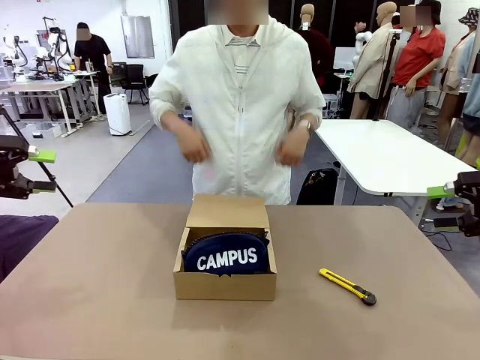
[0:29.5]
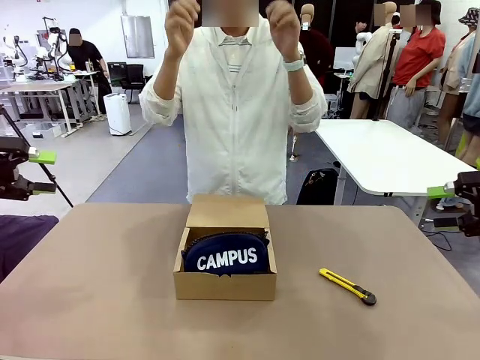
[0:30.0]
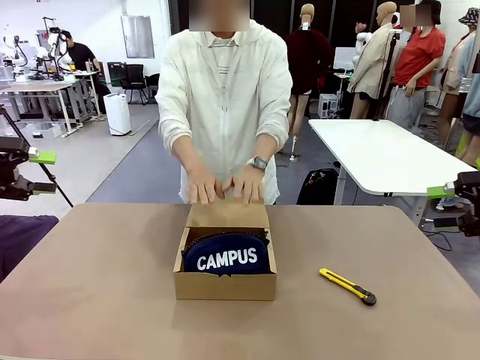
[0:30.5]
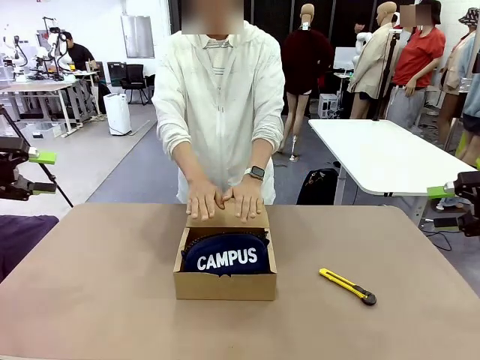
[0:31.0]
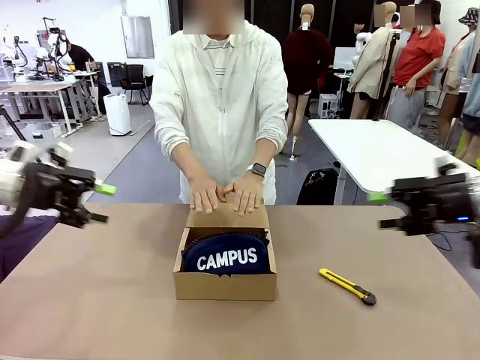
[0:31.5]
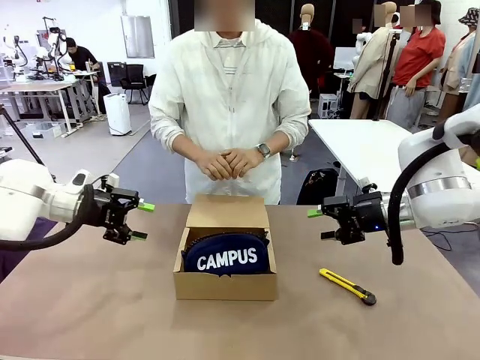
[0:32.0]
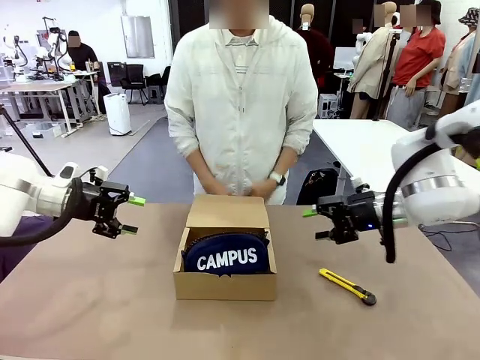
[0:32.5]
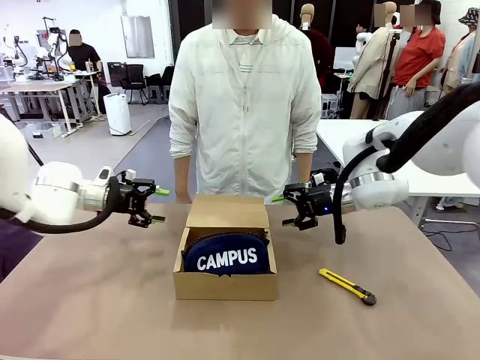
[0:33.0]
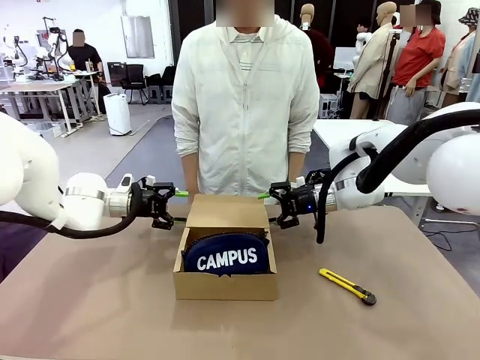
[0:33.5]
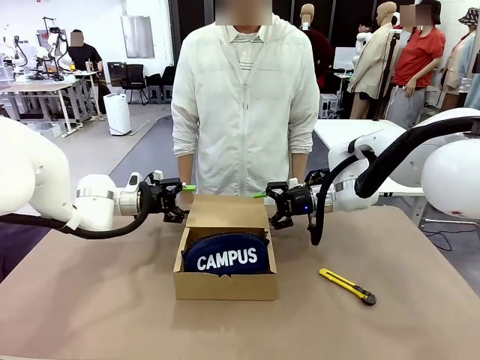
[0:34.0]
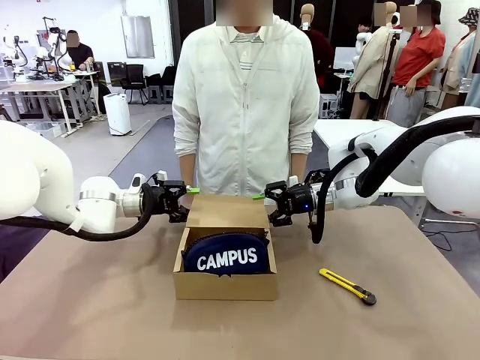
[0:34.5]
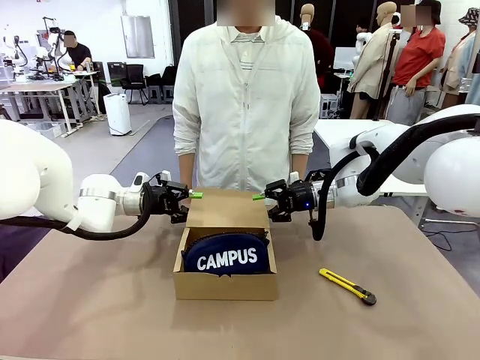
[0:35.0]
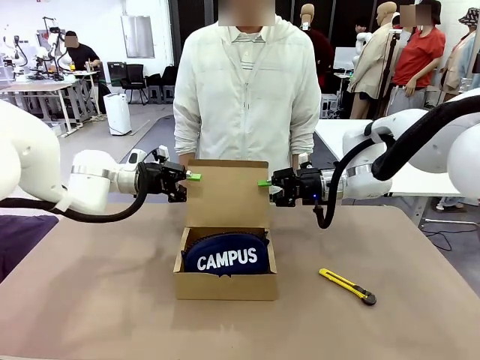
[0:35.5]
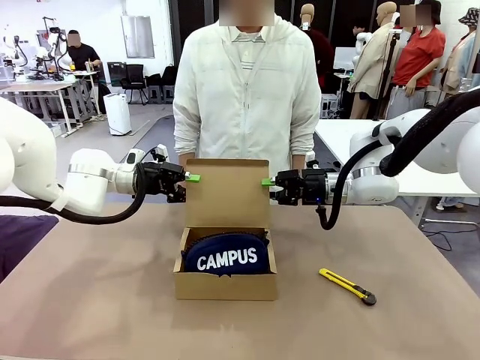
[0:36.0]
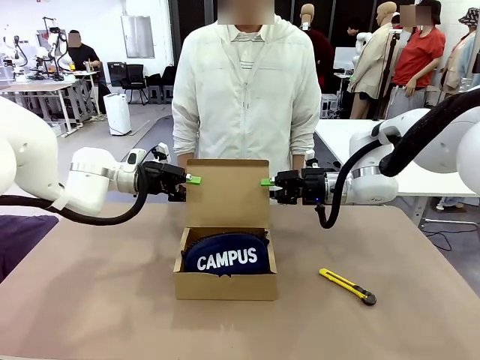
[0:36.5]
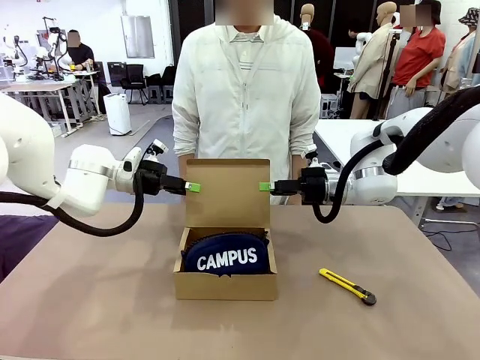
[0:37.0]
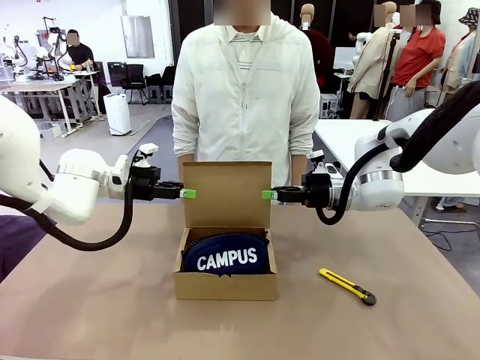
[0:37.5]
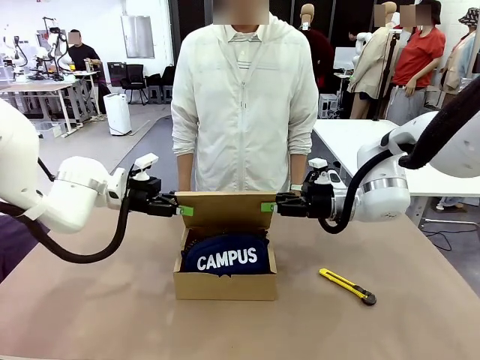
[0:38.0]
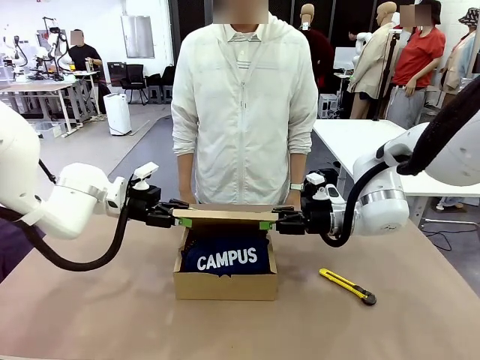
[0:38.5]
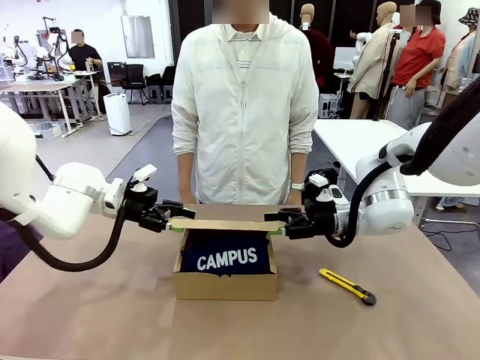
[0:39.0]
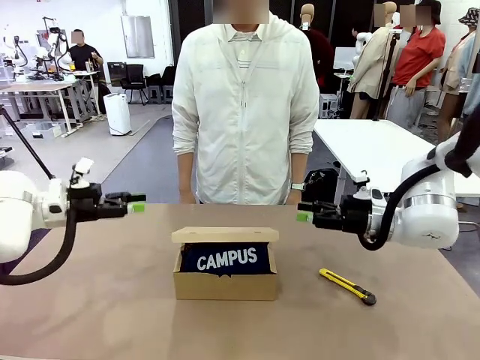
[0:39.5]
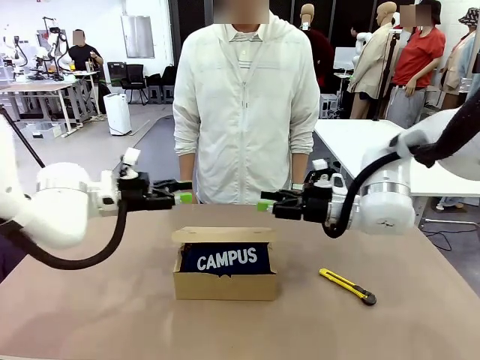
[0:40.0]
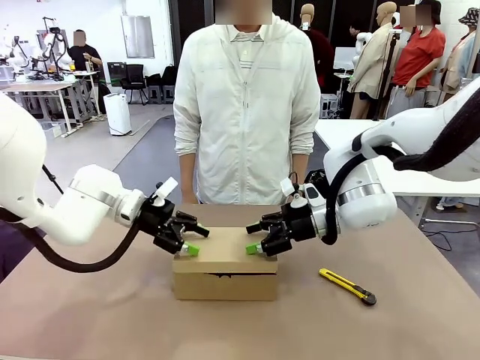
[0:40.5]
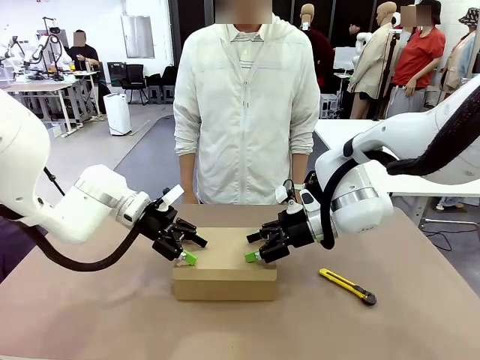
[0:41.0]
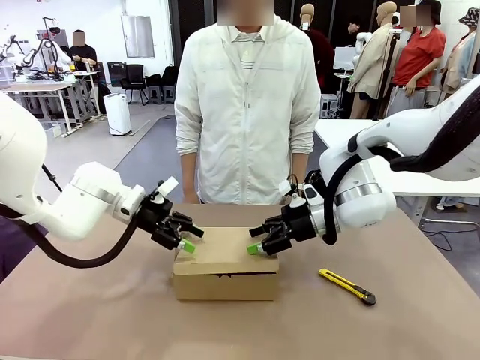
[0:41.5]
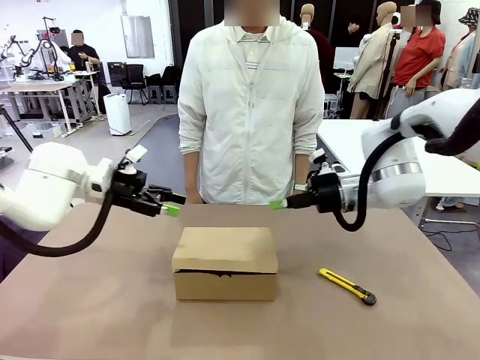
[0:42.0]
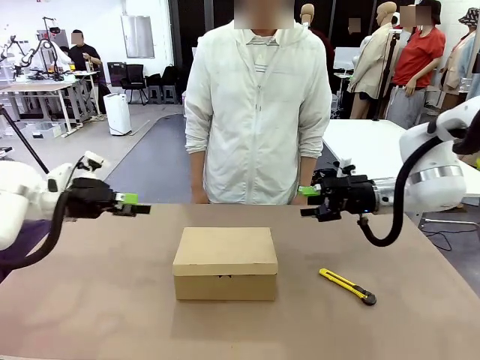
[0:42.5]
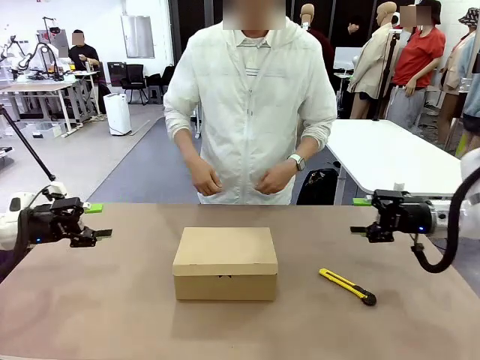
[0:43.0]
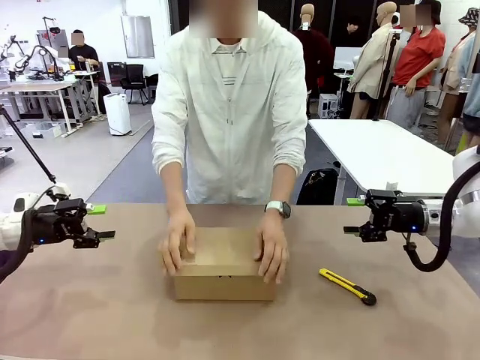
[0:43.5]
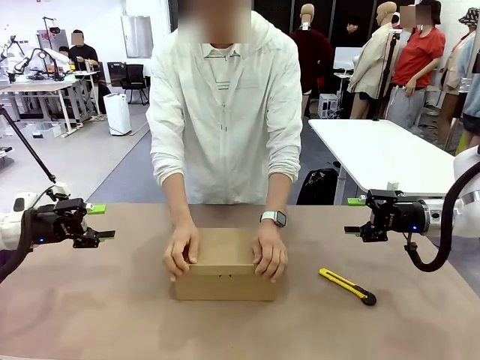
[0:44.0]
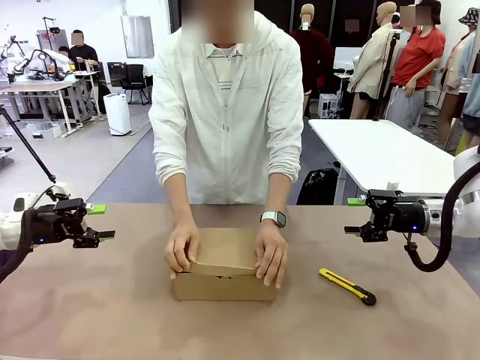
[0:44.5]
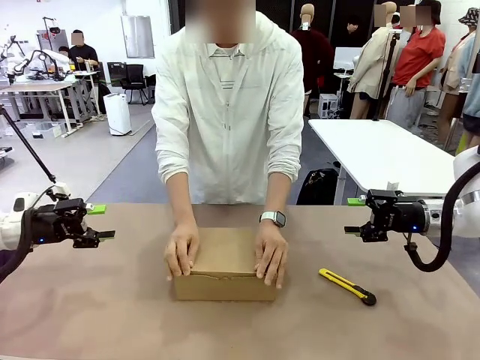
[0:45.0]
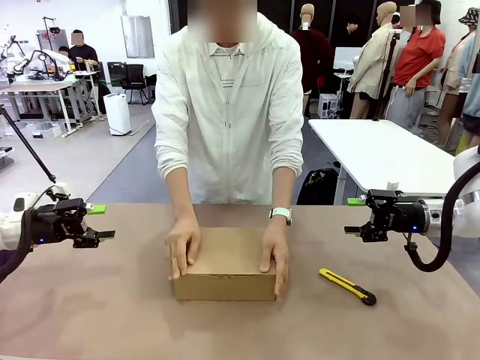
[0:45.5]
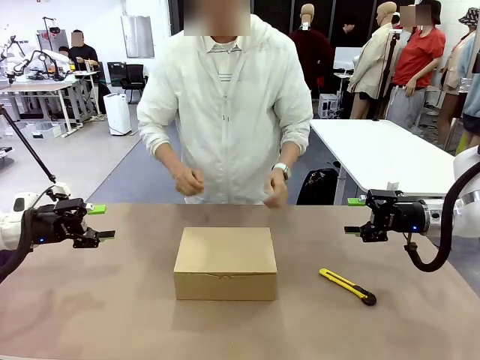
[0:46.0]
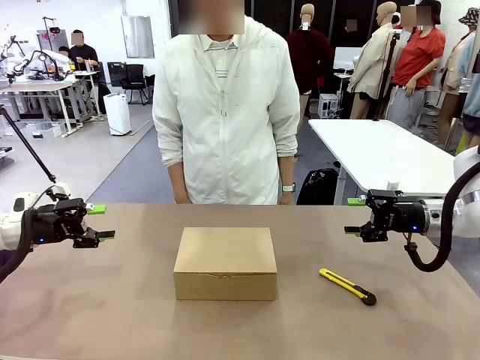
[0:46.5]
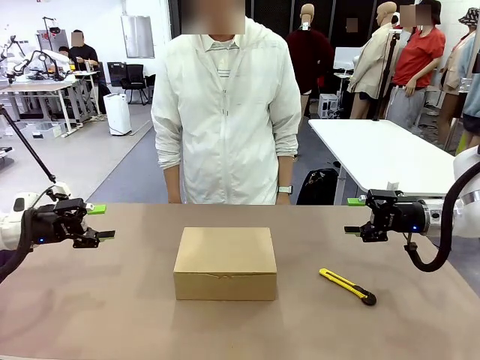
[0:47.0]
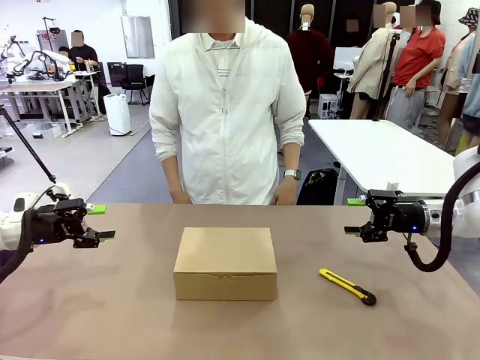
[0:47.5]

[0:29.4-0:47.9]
Task: Pack the items into the box.
Robot: Close the Mailer Box.
Person: Turn the box and lock it.
